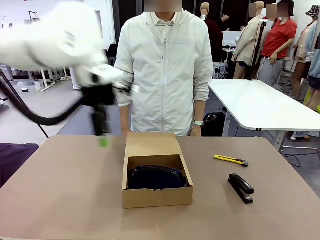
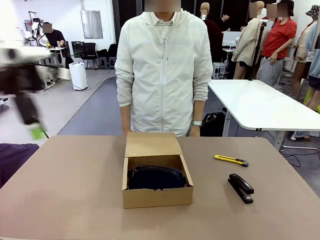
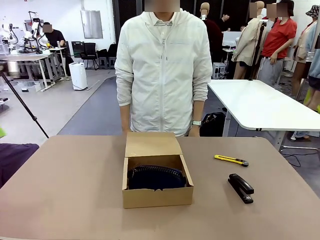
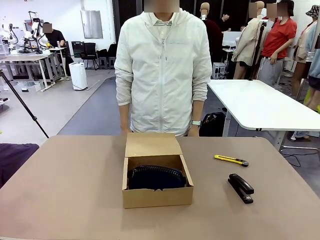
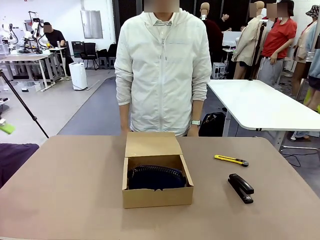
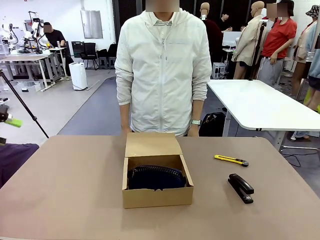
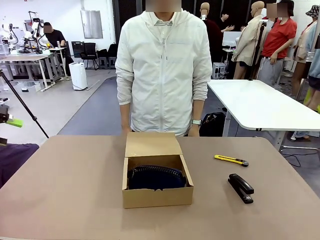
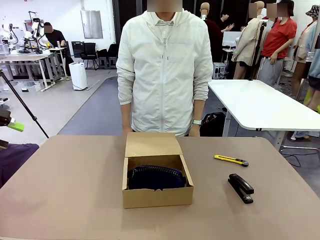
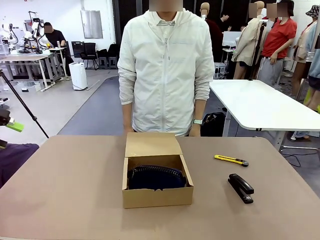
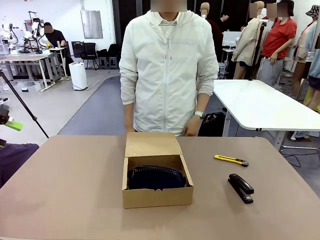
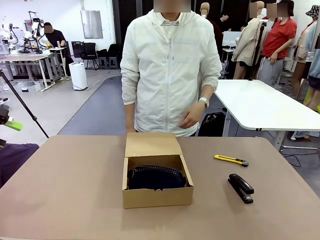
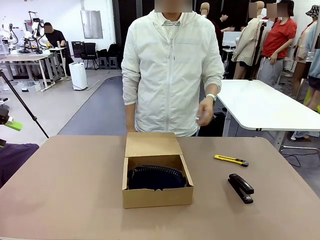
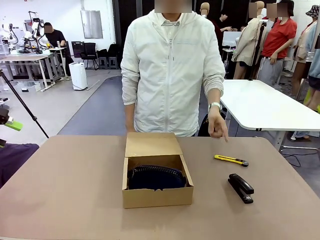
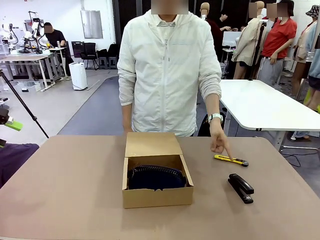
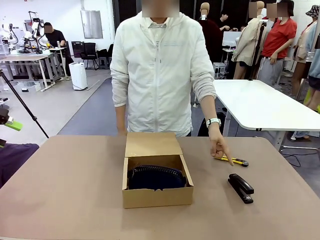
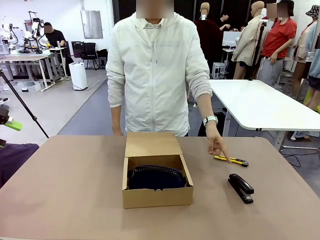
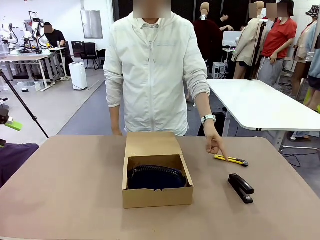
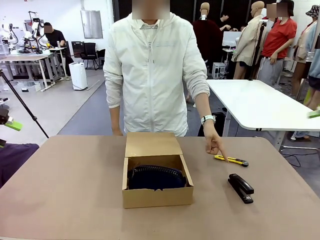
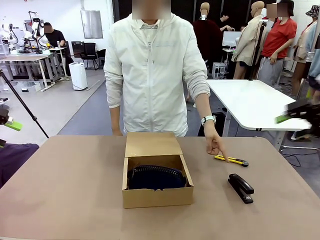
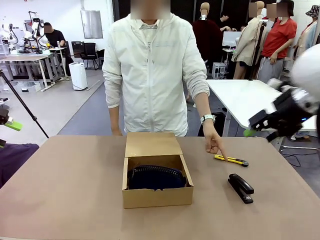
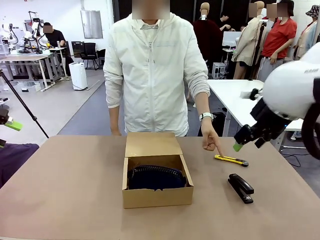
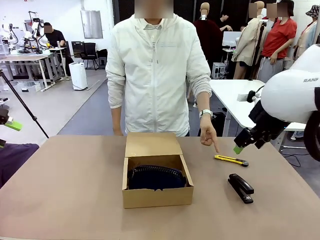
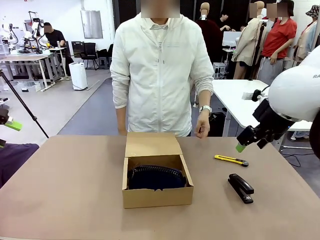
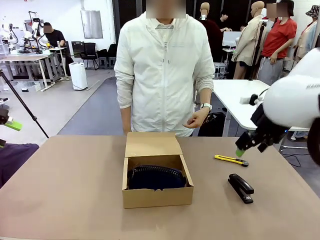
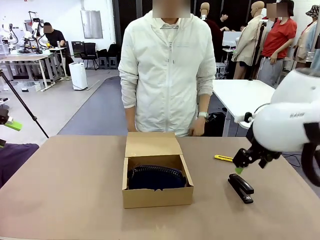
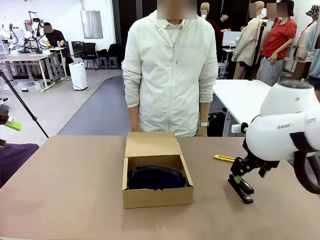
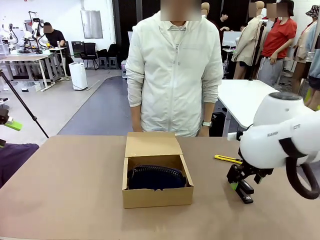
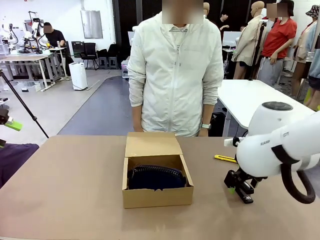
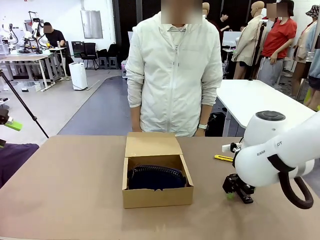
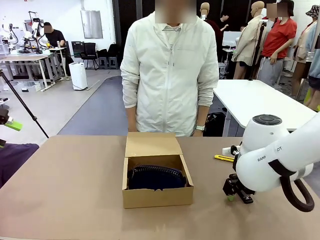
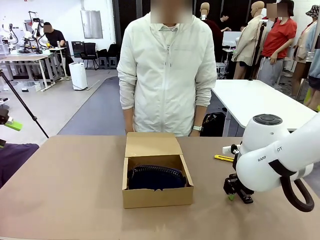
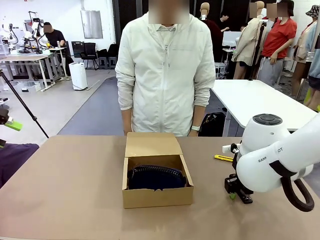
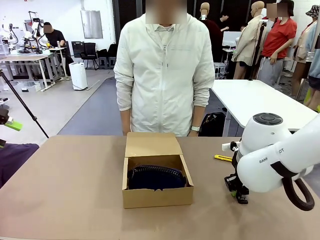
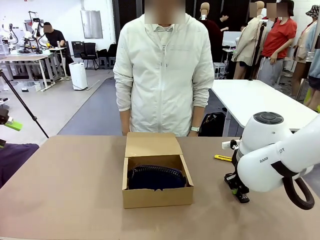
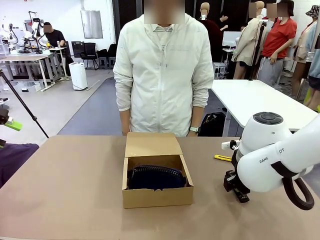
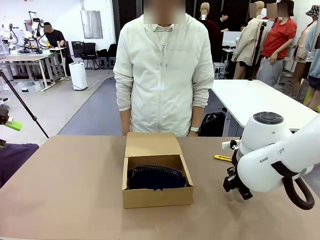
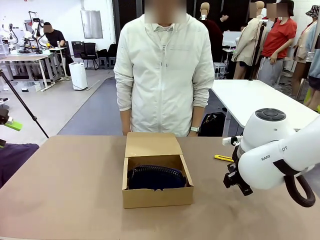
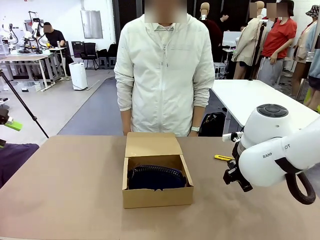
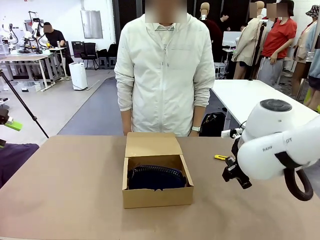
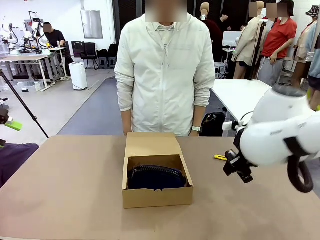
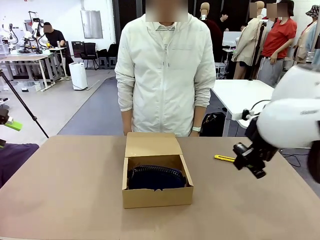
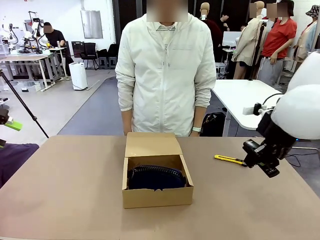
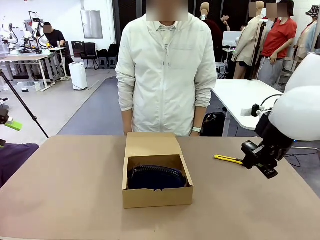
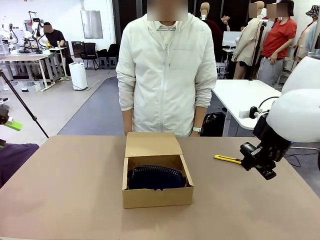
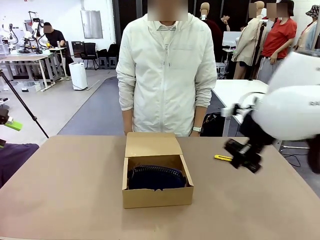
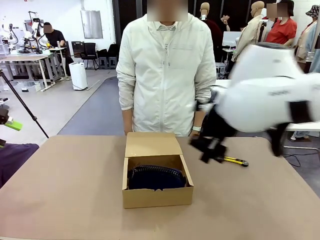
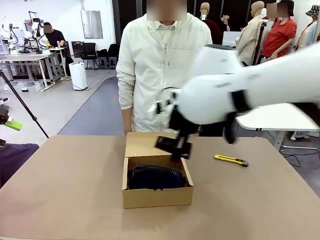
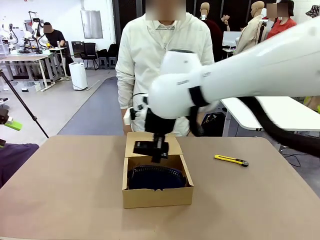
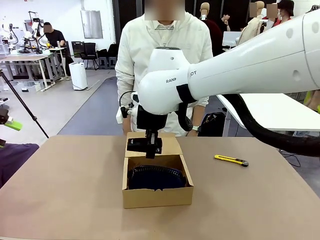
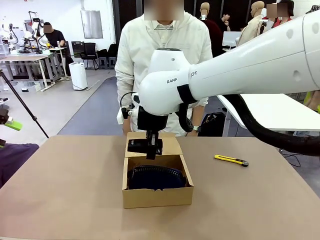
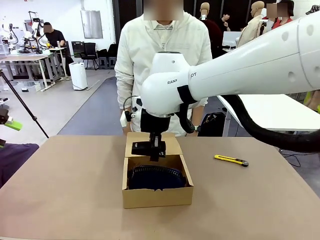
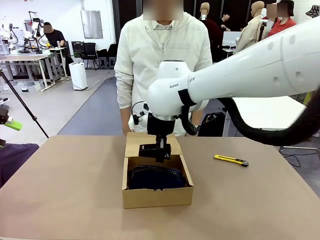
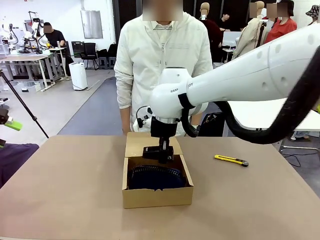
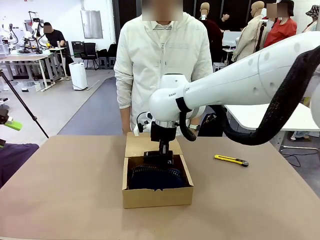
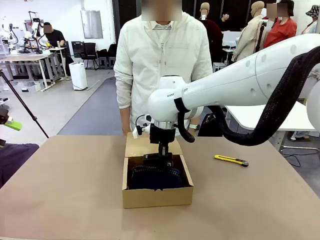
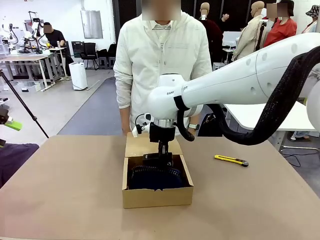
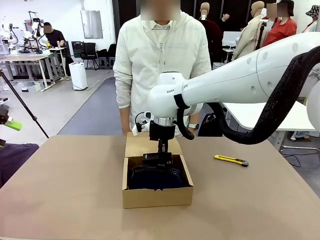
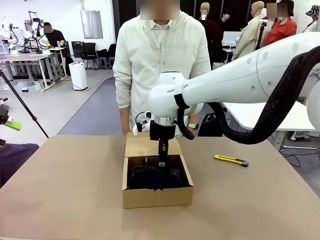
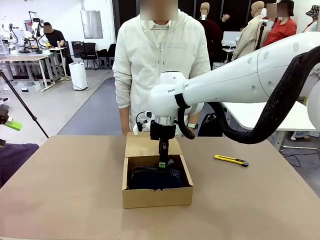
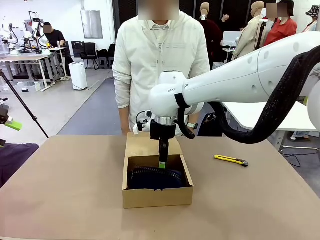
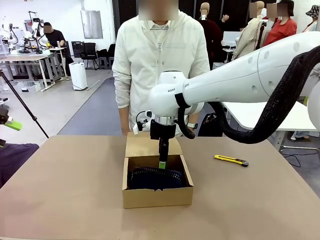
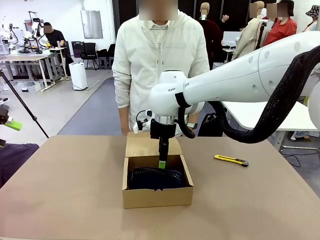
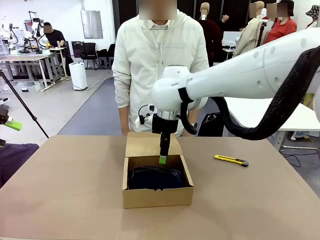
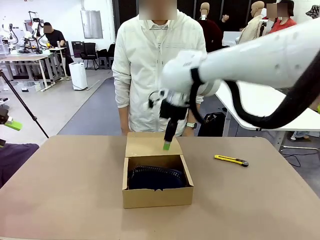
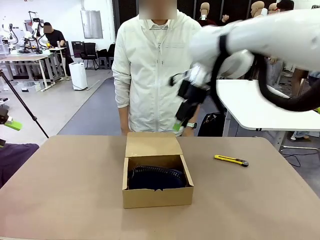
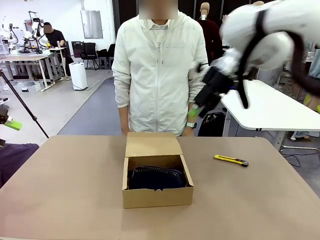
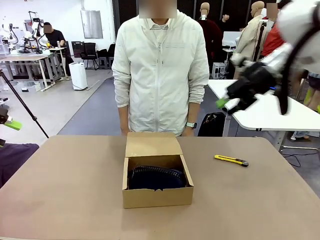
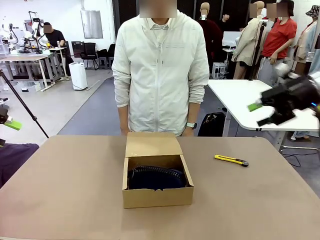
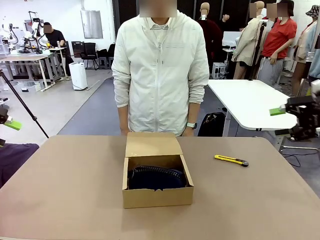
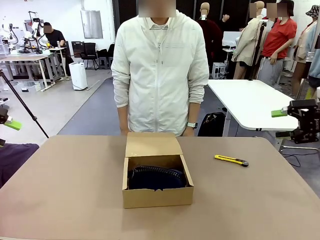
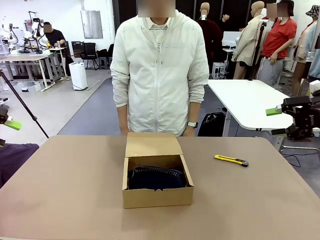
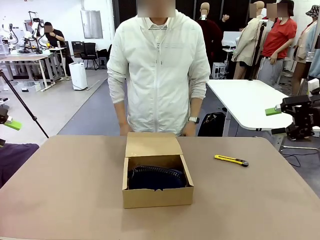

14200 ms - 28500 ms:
Task: Pack the items into the box.
Robot: Pick up the item specified by the human and place it in the Mailer Box.
Person: Lower both hands vertically with palms facing downward, as if pressing something closed.
